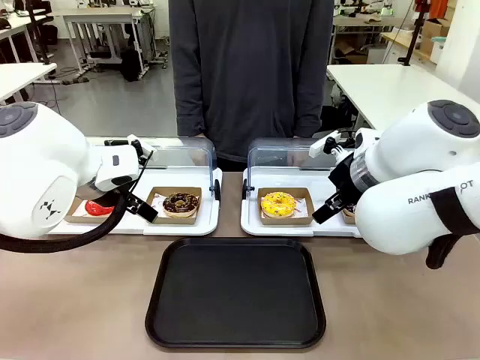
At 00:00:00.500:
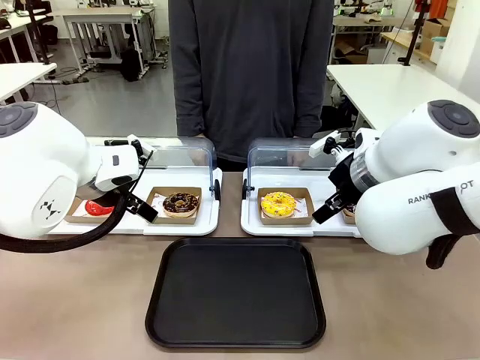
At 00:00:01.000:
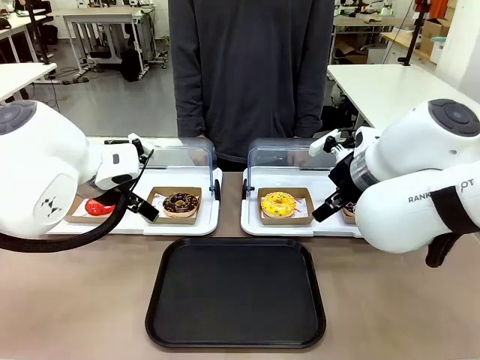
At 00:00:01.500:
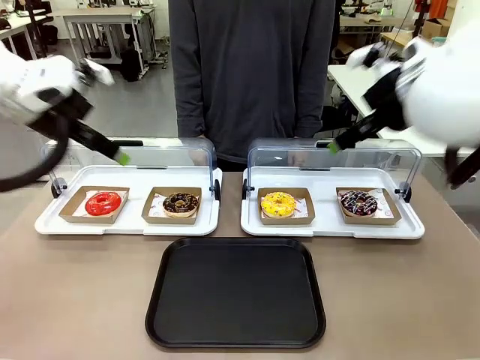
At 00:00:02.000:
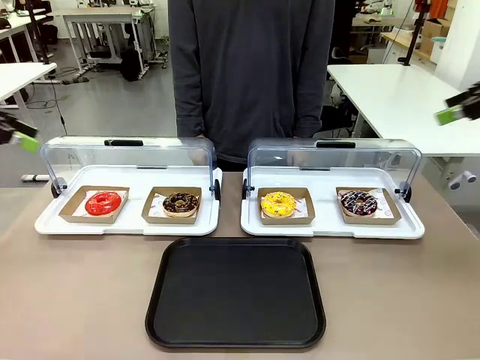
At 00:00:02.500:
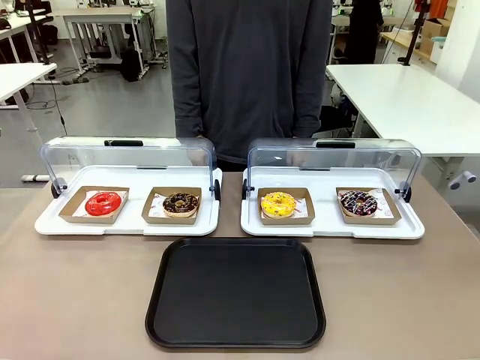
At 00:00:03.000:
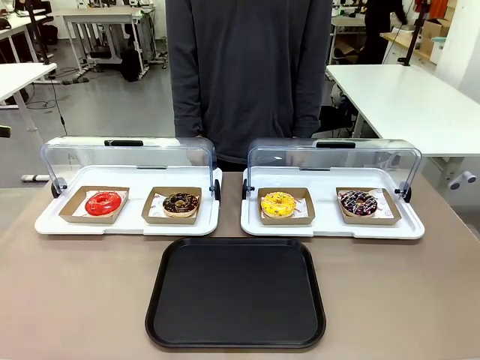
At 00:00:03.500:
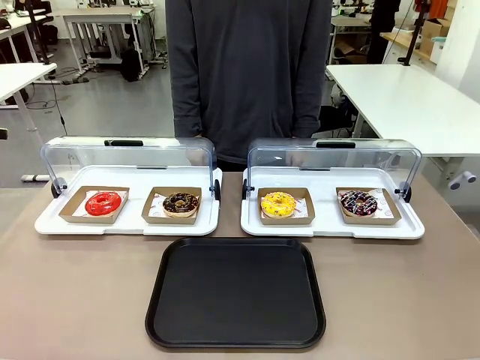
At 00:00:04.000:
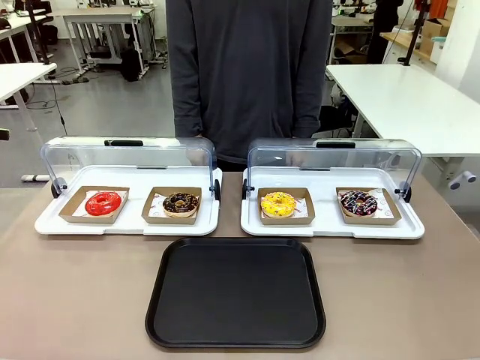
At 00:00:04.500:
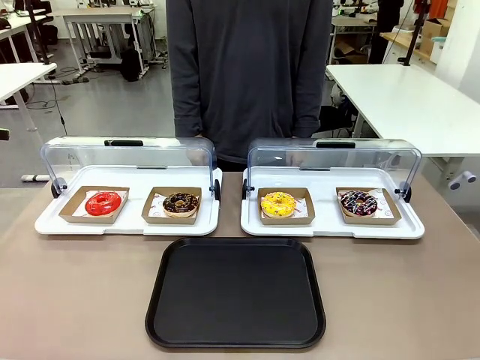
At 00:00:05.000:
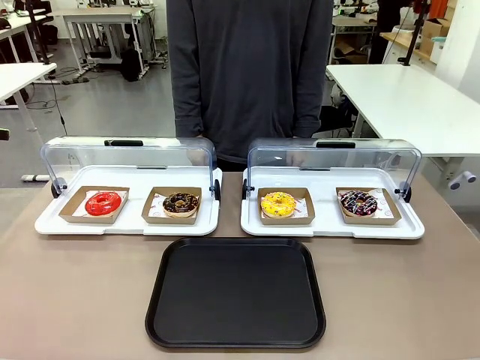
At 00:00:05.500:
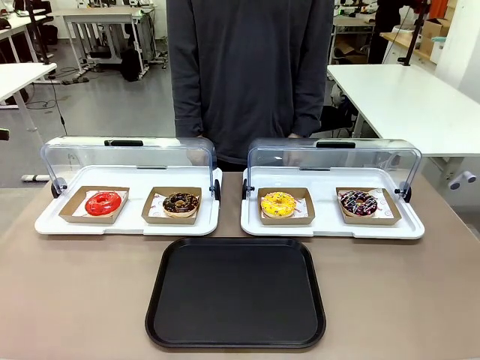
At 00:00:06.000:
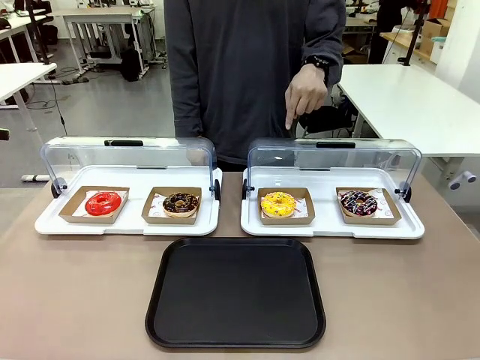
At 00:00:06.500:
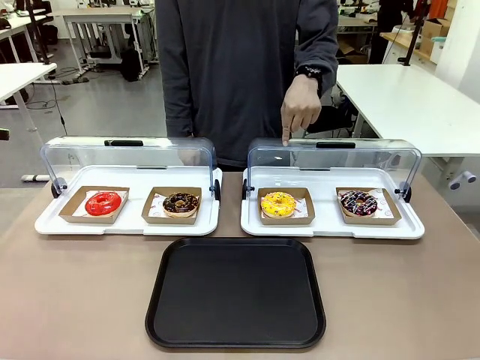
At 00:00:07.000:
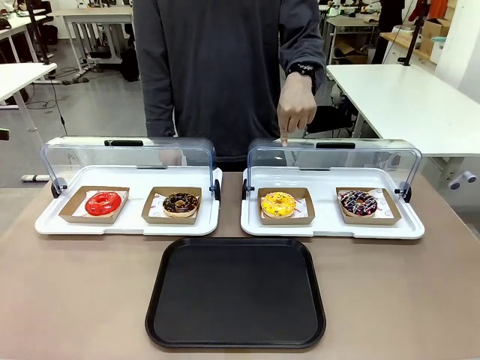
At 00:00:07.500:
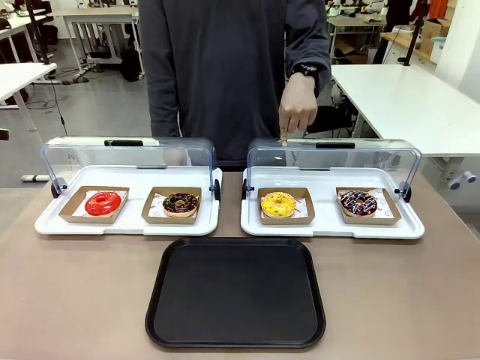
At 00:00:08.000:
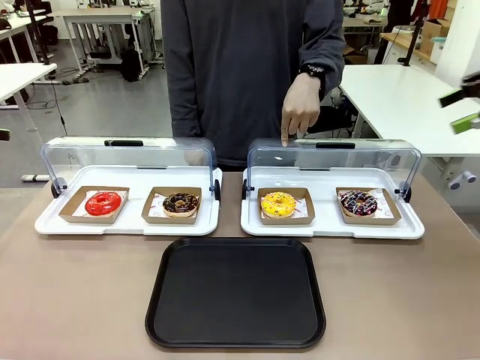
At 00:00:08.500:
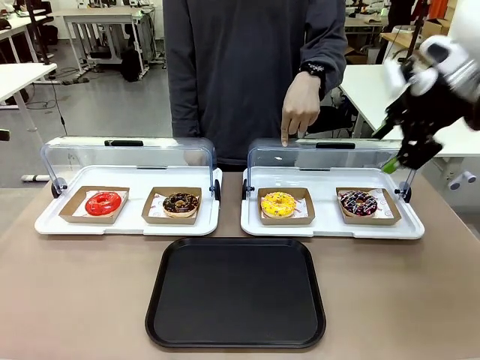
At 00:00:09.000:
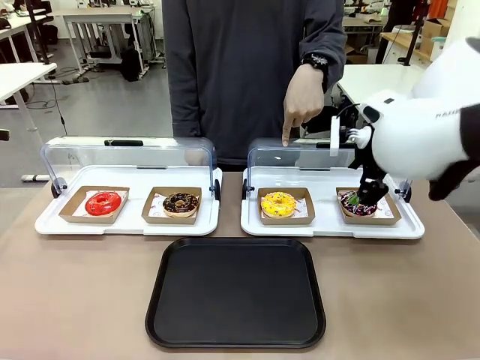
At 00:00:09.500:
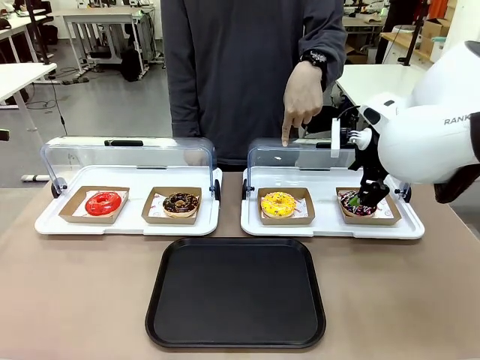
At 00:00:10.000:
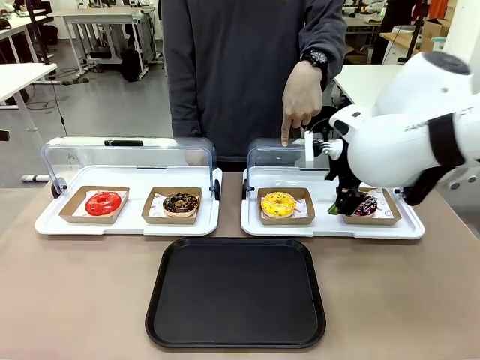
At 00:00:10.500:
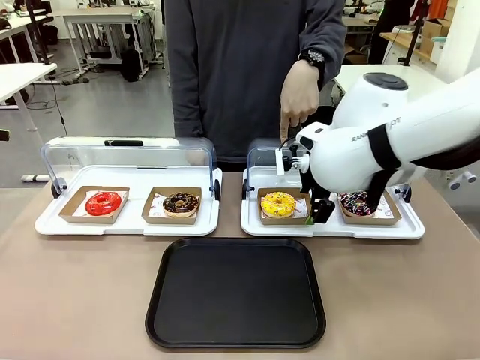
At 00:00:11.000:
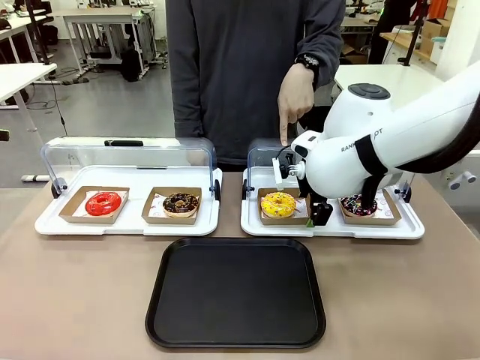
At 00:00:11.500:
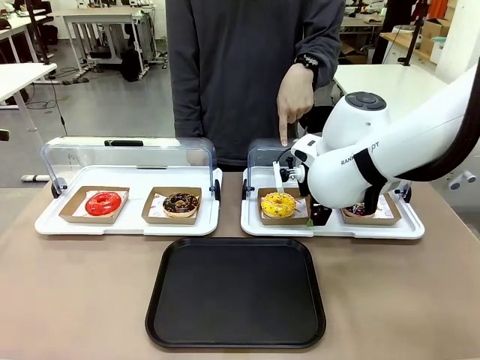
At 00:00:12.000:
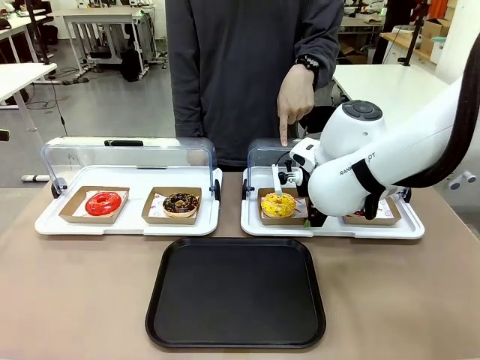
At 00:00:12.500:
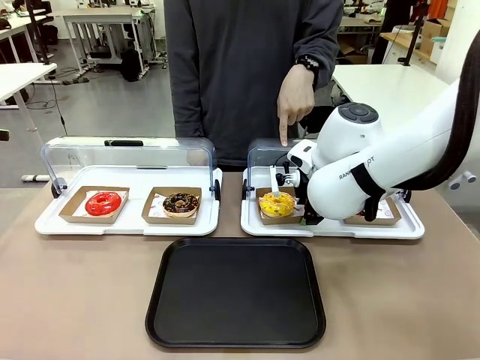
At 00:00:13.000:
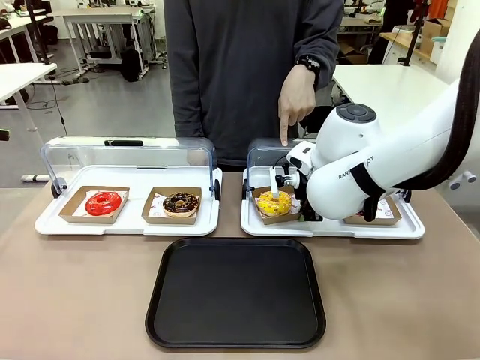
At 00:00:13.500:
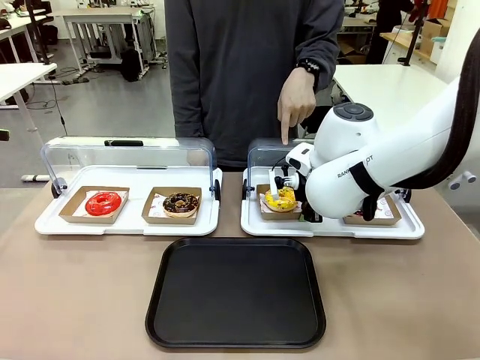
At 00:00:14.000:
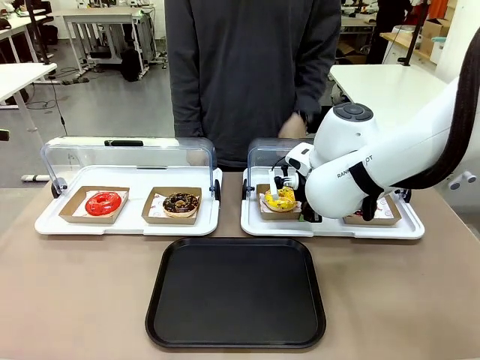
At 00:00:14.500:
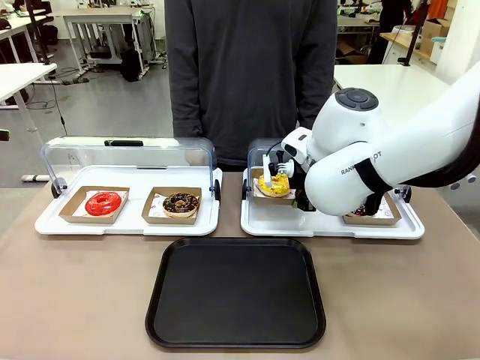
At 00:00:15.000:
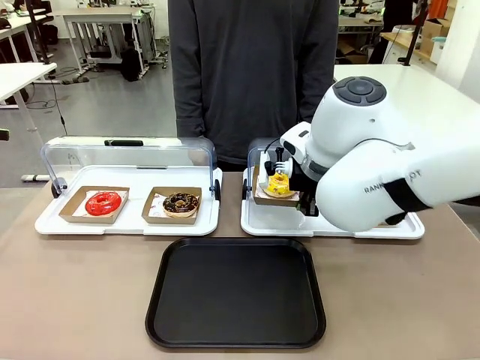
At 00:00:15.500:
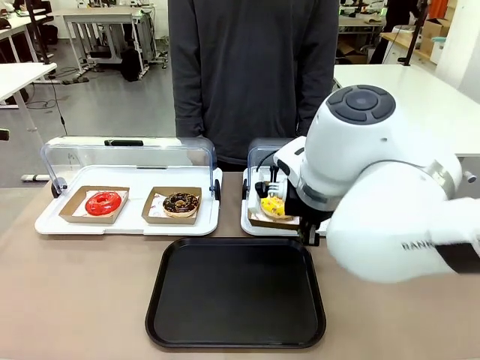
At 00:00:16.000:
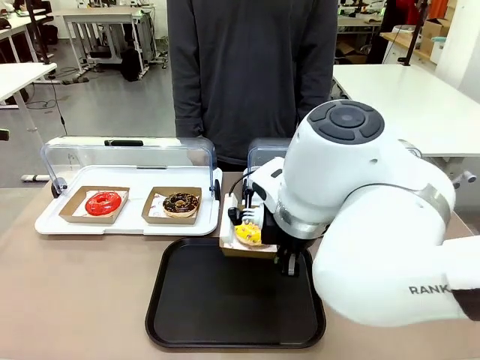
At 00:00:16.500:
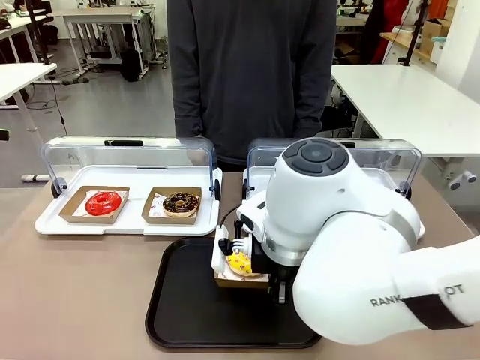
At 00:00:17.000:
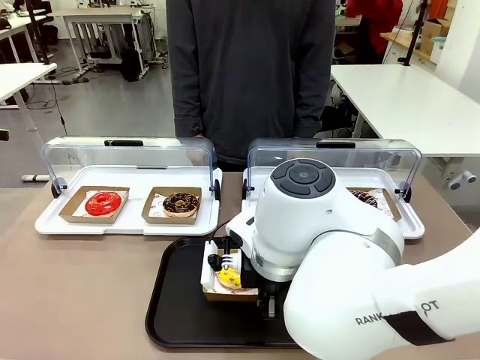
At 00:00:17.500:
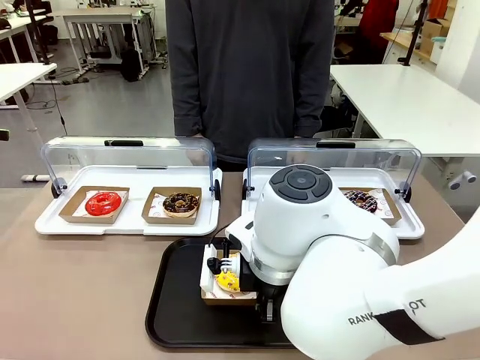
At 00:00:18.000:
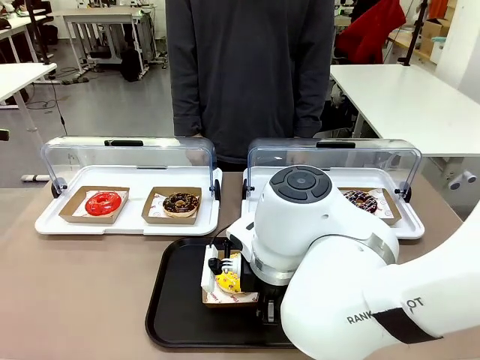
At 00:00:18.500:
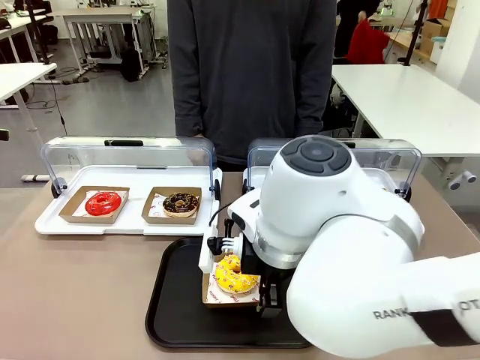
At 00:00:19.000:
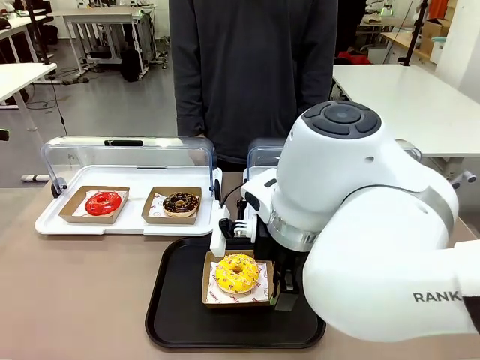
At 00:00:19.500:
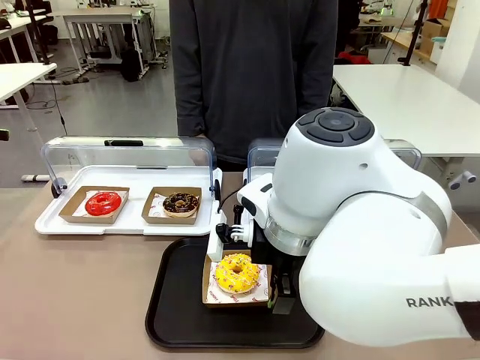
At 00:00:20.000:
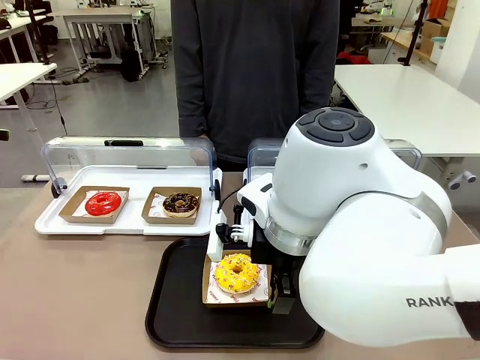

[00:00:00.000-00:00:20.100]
Task: Move the third donut from the left to the tray.
Robot: Pick up the Paper togo box containing the Donut indicated by the person and place it on the Handle tray.
Person: Points to the third donut from the left from the robot’s perspective.
